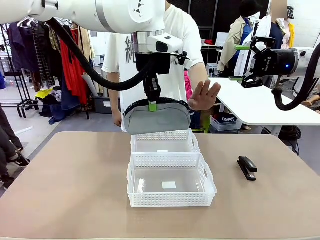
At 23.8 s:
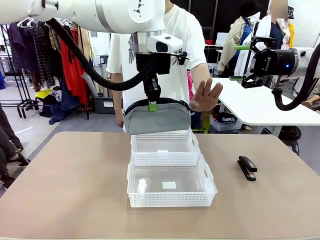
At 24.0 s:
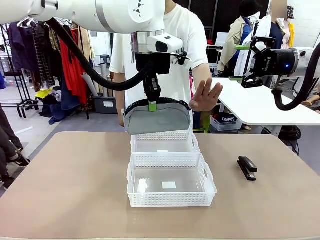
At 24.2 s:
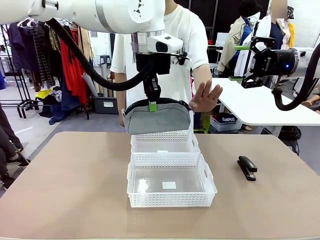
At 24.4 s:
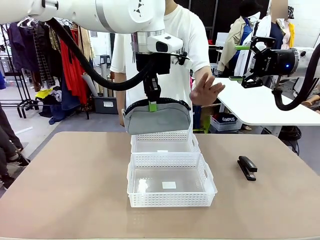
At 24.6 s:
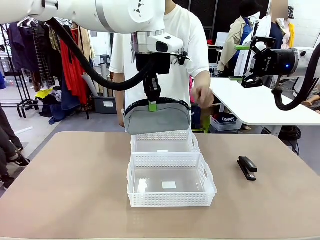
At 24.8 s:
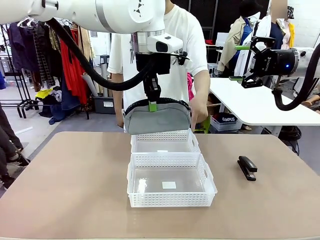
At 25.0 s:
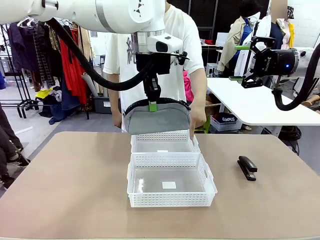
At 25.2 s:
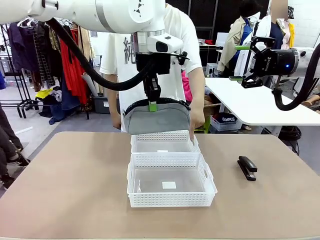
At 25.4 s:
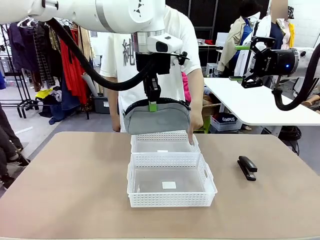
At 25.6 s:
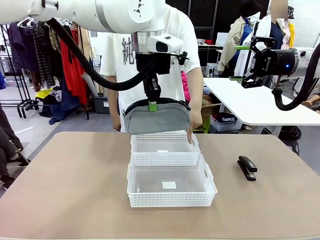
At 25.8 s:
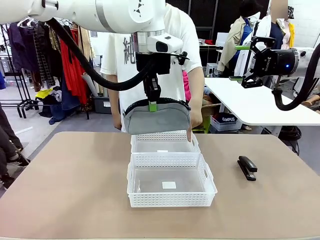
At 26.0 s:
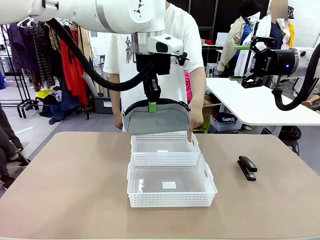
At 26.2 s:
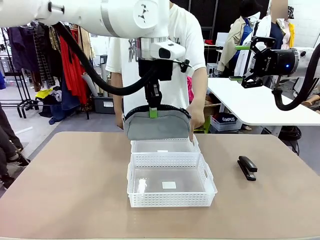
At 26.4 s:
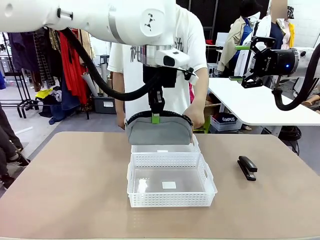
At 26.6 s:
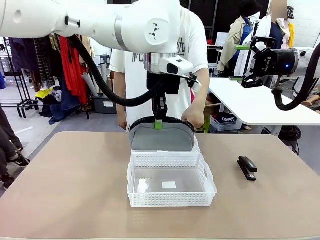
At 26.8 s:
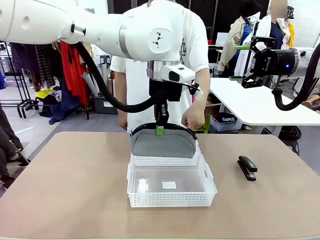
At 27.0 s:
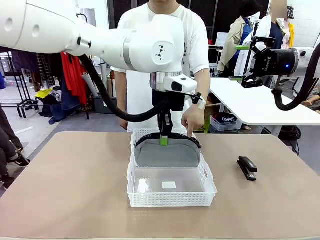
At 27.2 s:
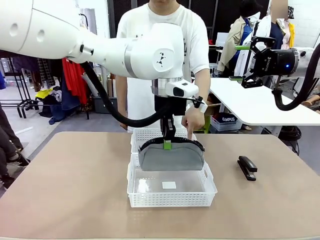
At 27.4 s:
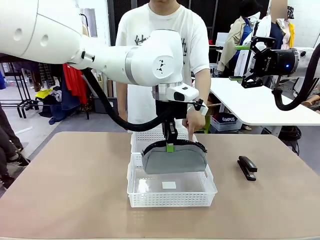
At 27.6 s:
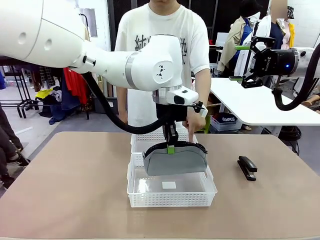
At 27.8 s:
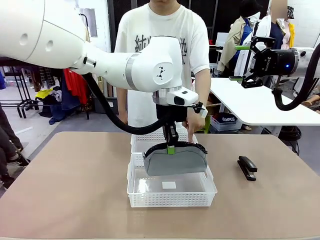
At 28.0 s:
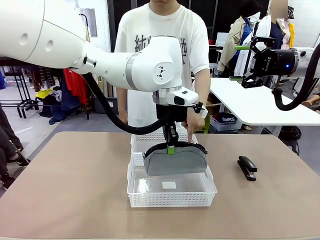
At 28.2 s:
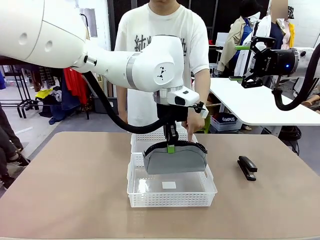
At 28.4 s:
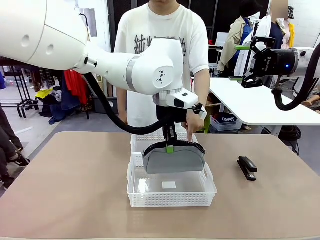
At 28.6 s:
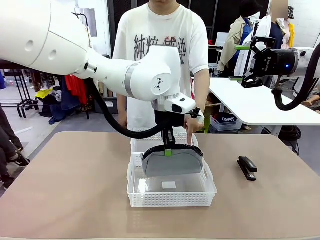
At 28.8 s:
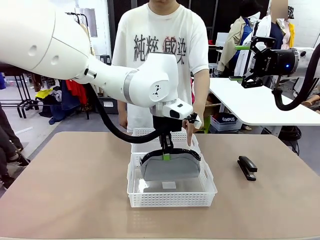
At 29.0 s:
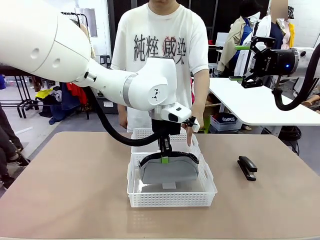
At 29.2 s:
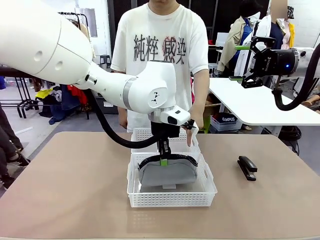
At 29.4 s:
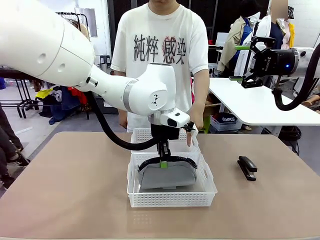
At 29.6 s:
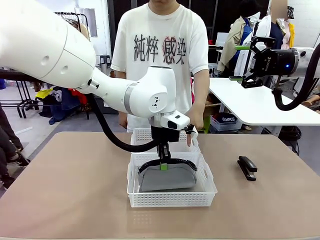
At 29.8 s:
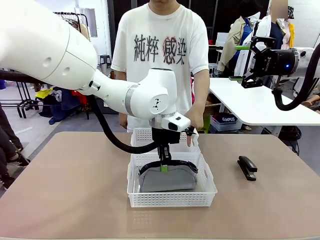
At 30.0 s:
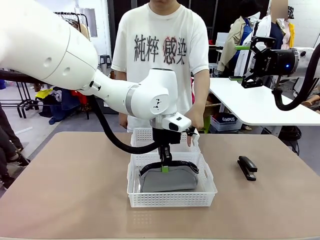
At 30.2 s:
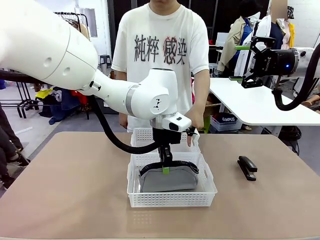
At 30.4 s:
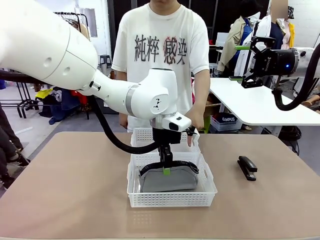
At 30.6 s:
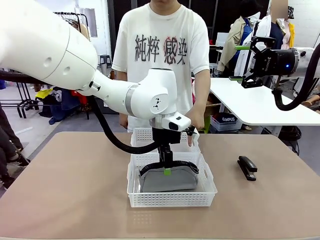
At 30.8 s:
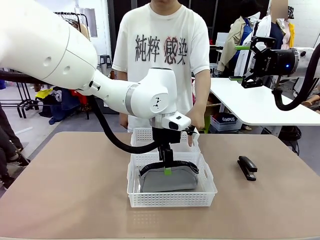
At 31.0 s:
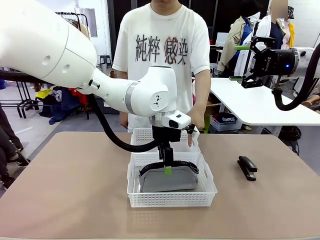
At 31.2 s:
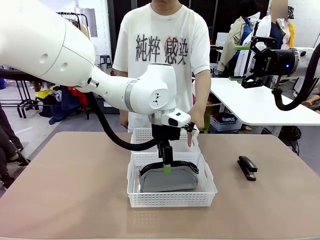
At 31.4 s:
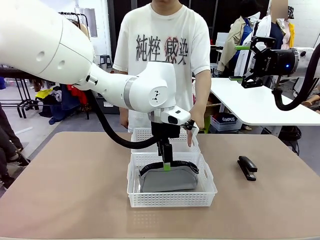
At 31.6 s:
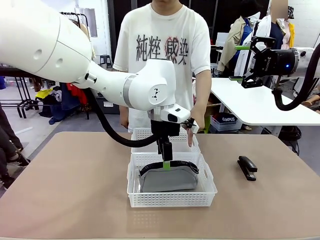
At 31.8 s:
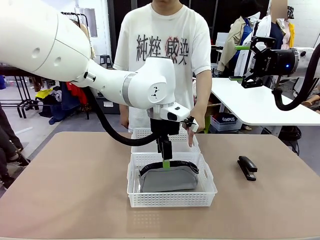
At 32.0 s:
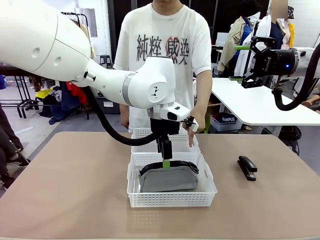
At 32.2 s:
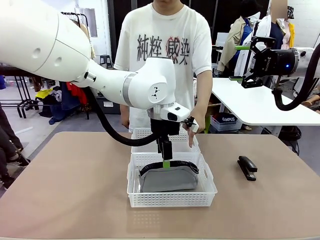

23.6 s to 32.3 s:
Task: Distribute items into two baskets.
Robot: Place the picked Pencil pouch into the Organizing basket as instructed by the person.
Person: Instructs the robot to place the pencil case into the opposite basket.

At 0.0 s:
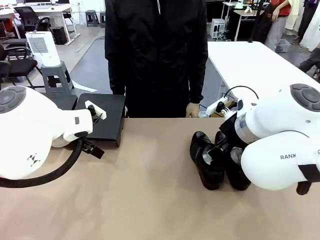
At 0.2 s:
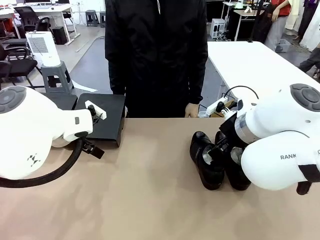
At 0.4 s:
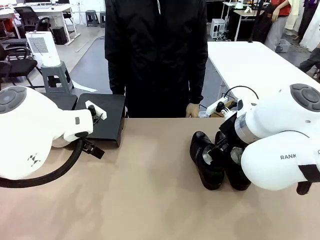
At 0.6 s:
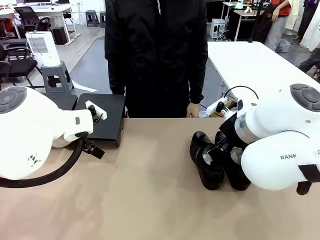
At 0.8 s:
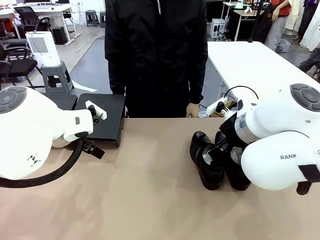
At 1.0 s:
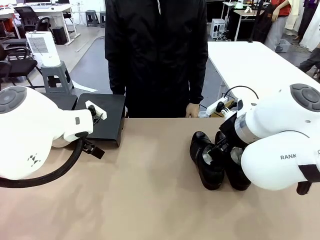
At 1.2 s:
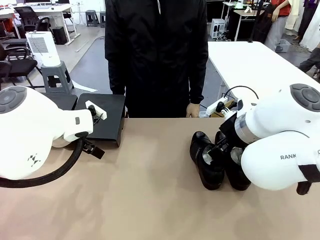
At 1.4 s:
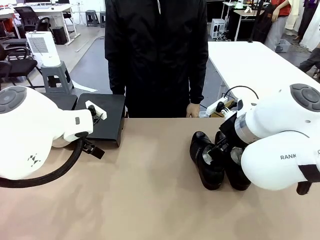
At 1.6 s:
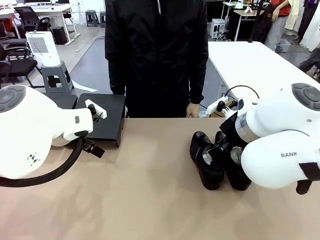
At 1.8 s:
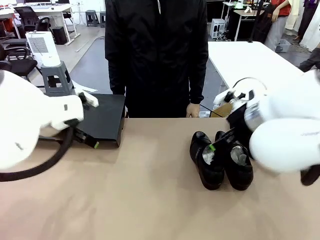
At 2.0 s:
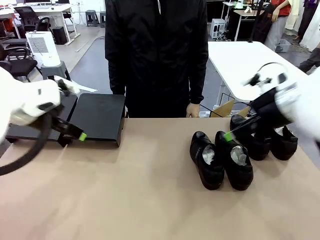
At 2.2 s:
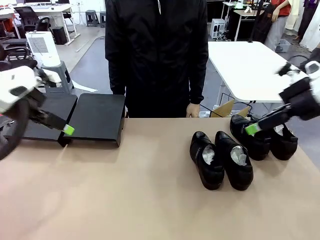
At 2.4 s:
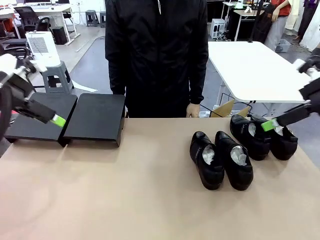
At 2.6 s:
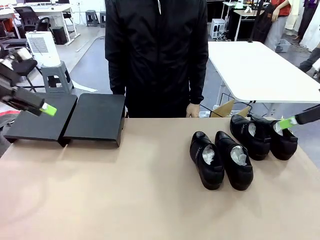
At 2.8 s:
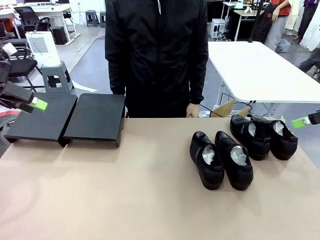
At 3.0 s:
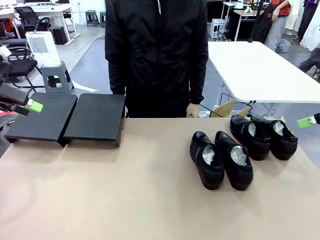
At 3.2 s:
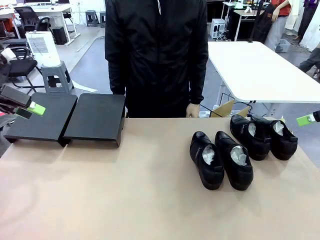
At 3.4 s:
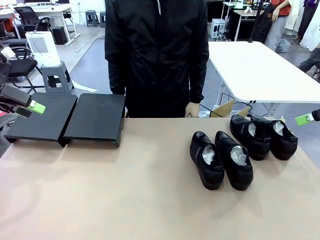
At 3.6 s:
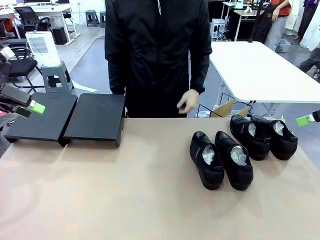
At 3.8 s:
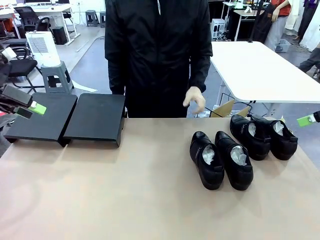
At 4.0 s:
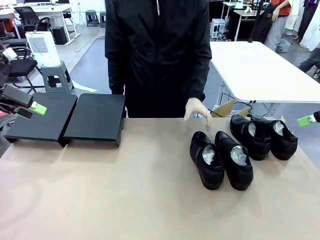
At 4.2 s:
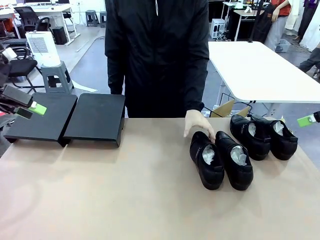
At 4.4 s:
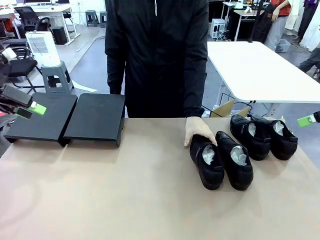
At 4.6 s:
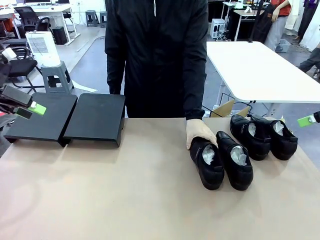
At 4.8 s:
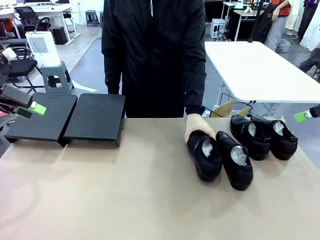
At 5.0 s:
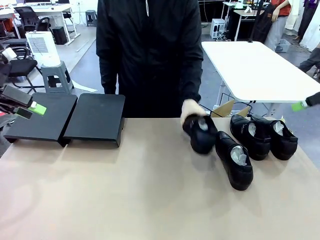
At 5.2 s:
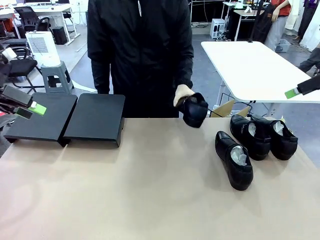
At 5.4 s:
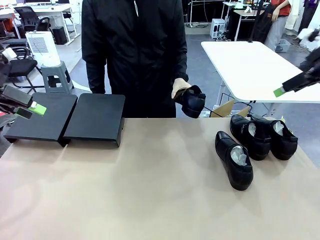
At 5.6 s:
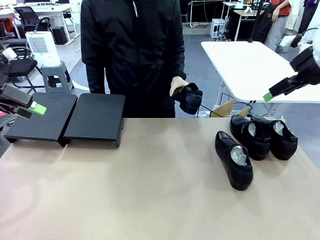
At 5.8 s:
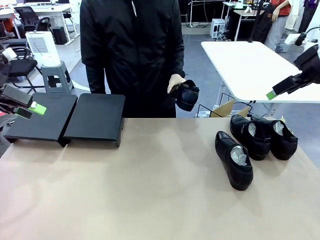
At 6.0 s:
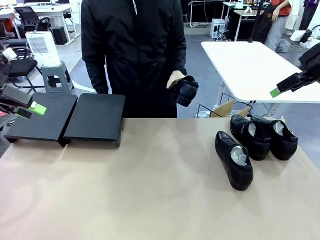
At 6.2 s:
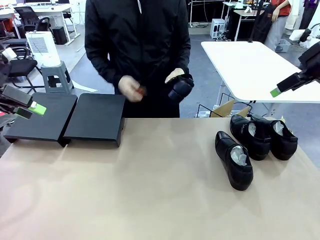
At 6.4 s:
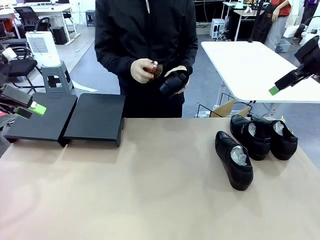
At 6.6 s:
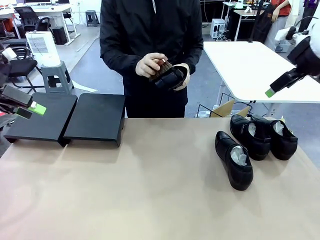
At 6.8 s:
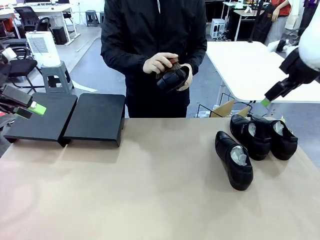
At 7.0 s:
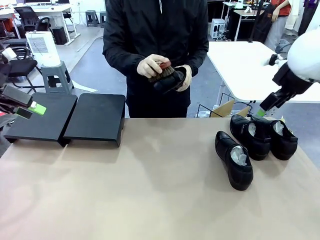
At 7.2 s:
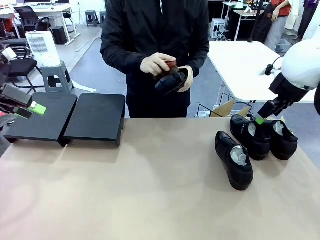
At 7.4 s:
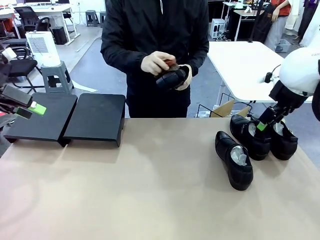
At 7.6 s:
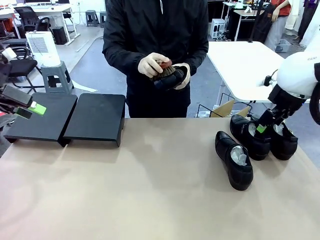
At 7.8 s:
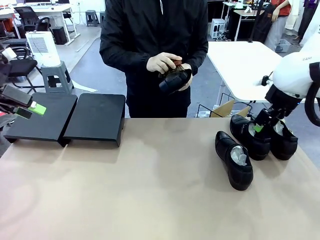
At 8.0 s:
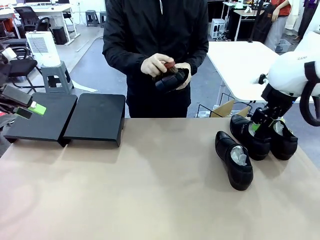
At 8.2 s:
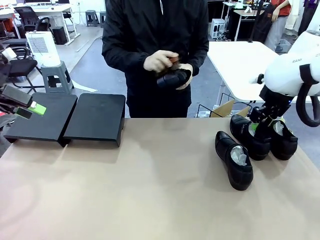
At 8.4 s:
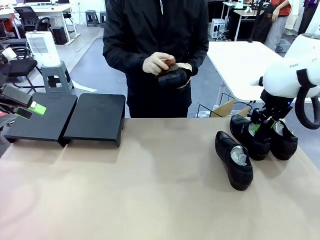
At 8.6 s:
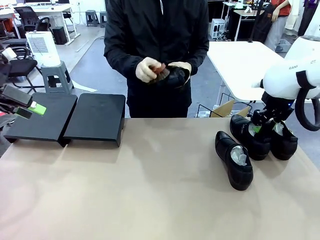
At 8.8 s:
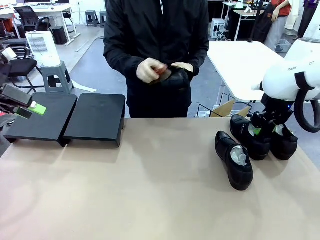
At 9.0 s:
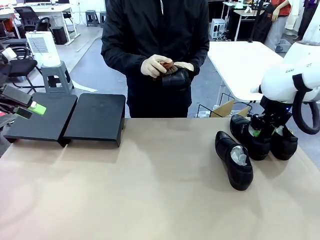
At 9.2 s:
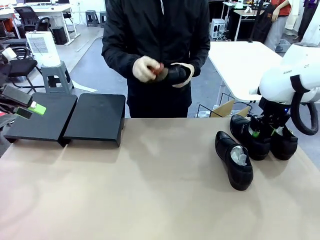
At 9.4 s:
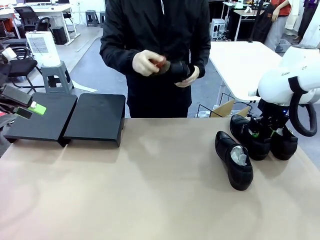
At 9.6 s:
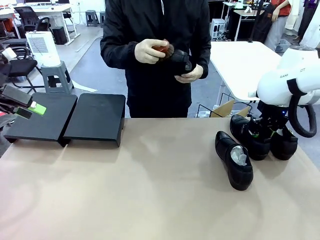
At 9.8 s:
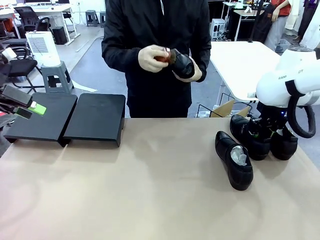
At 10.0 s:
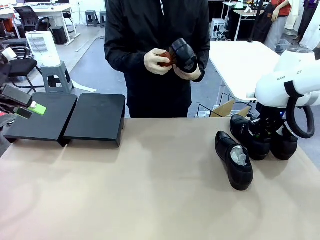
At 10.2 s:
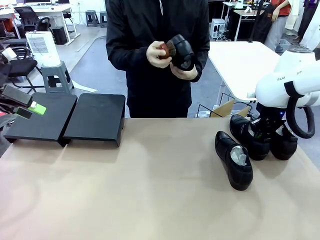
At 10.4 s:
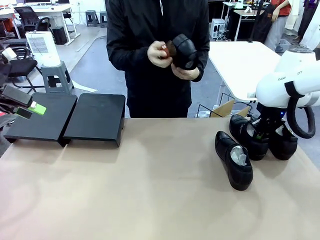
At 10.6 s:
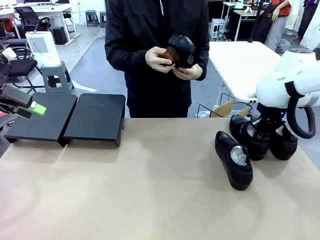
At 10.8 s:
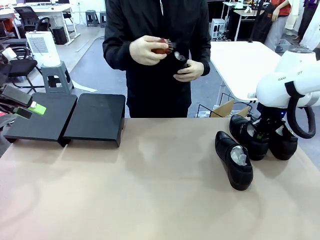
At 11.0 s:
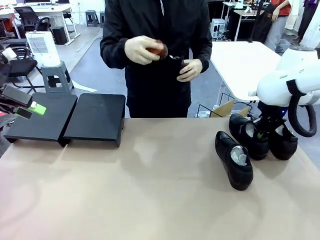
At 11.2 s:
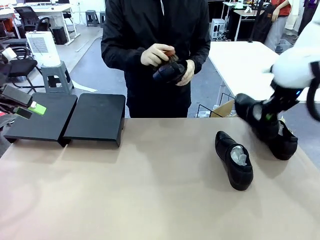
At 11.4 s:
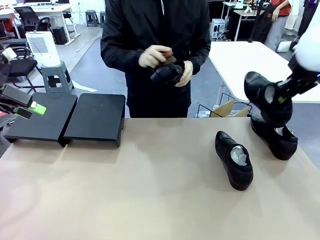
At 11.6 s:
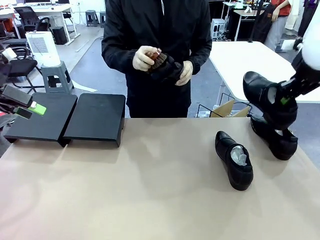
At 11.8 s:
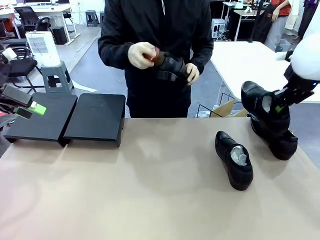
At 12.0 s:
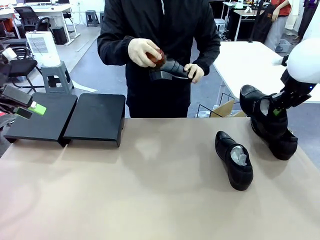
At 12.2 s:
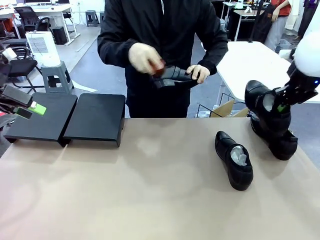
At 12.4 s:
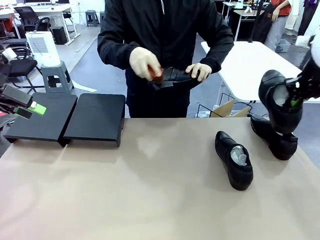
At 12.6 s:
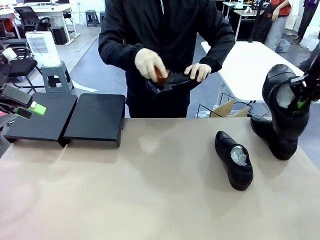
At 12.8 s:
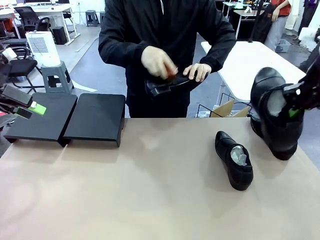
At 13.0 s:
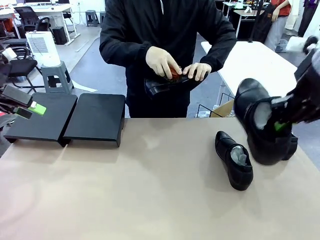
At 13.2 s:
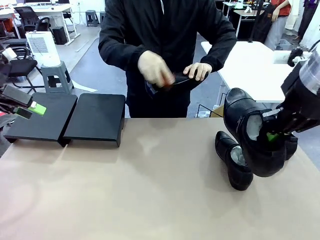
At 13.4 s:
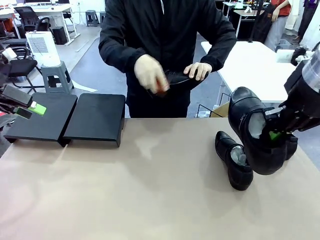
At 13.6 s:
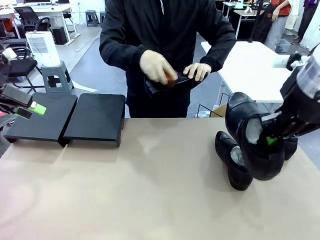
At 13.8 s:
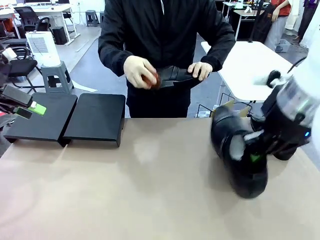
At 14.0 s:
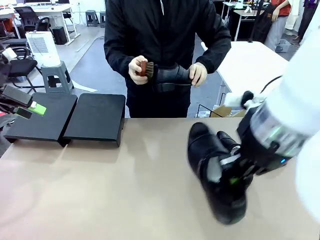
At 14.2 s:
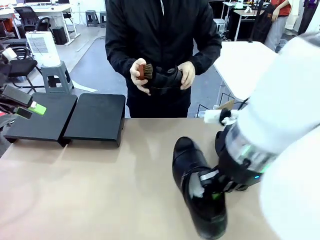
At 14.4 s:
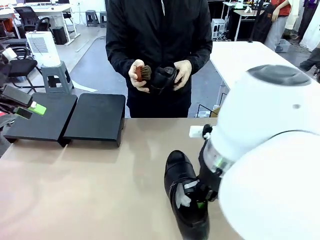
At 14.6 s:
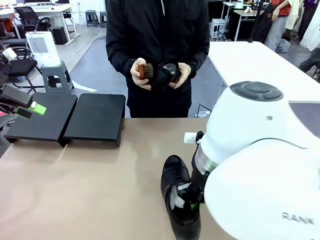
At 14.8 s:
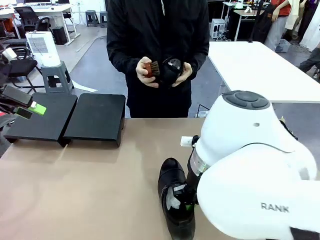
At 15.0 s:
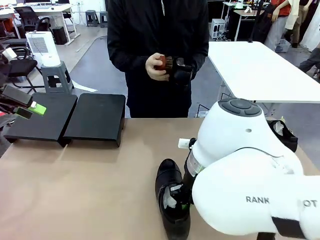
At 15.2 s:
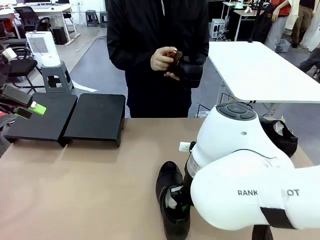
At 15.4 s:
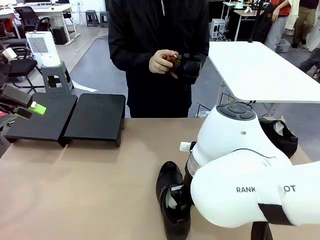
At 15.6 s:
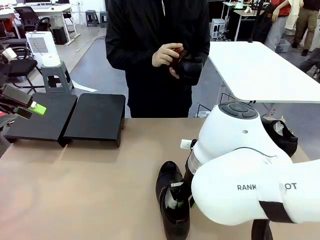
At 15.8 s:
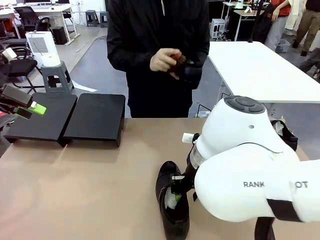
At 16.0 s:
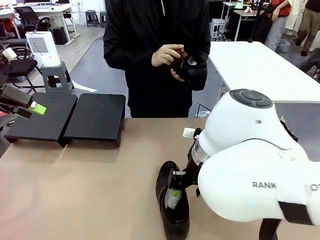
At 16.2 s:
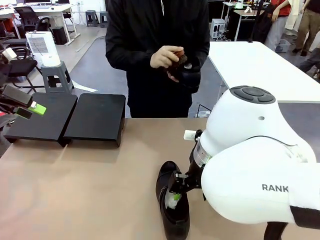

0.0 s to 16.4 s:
Task: Organize the shoes by placing them on the stand.
Robot: Pick up one Shoe and place it in the middle of the table.
Person: Pick one Shoe on Robot's table. Clean the Shoe with the Shoe Brush.
